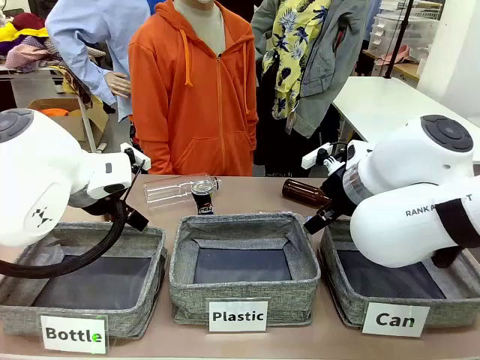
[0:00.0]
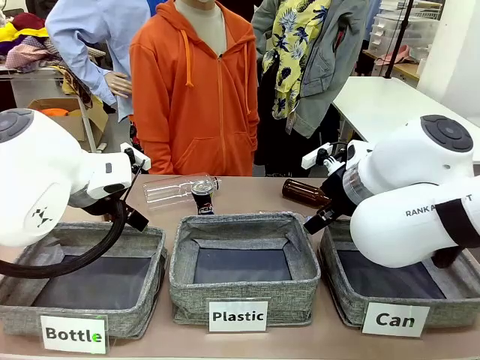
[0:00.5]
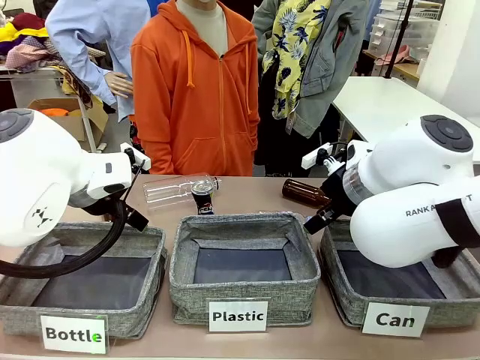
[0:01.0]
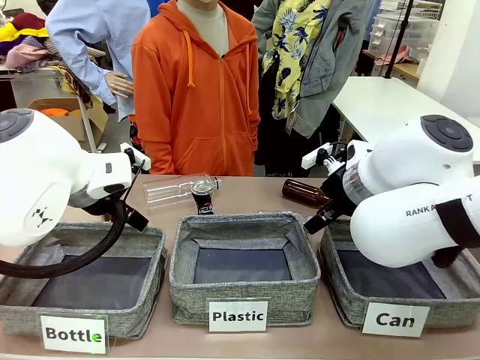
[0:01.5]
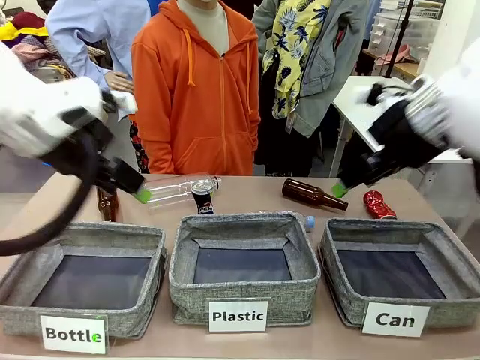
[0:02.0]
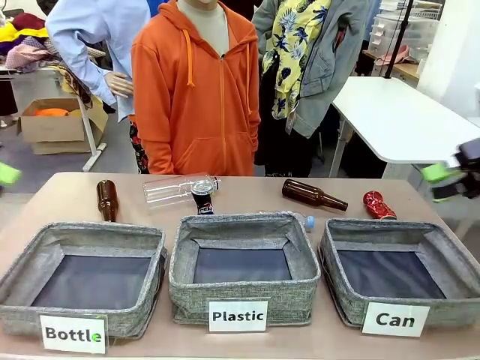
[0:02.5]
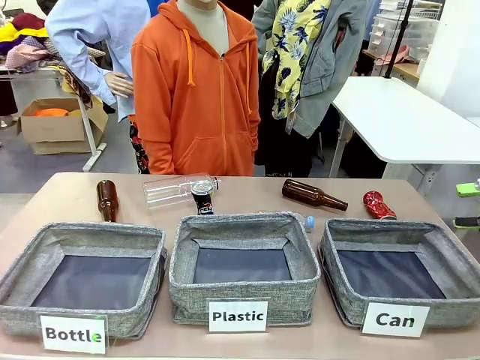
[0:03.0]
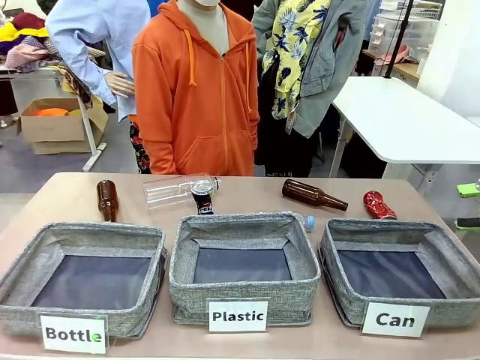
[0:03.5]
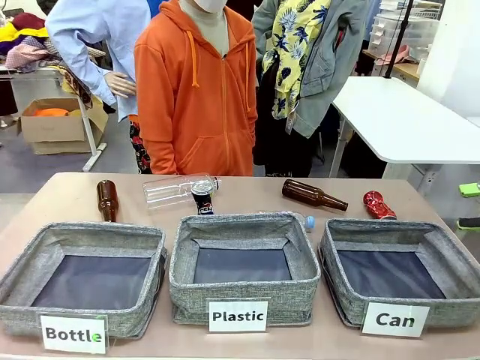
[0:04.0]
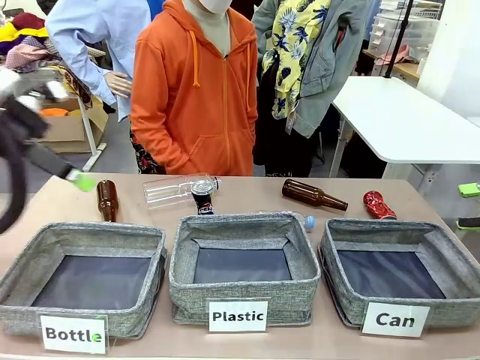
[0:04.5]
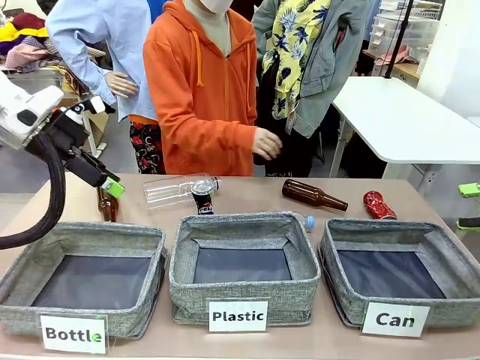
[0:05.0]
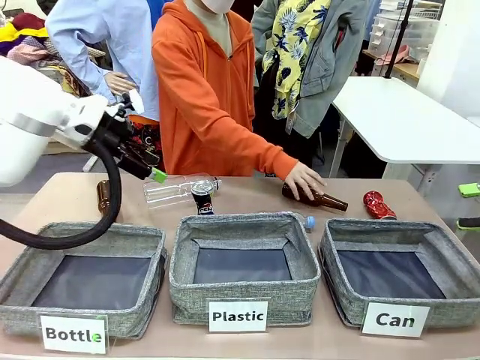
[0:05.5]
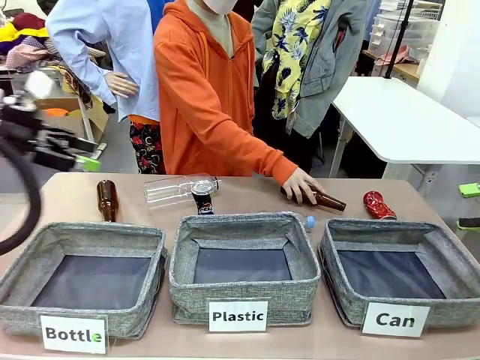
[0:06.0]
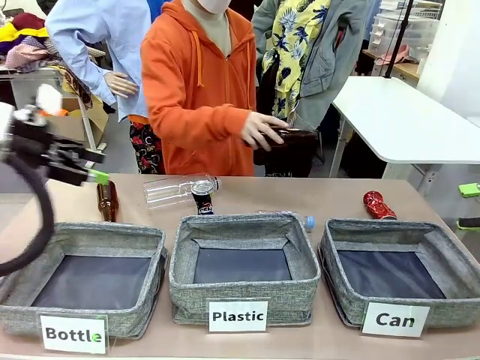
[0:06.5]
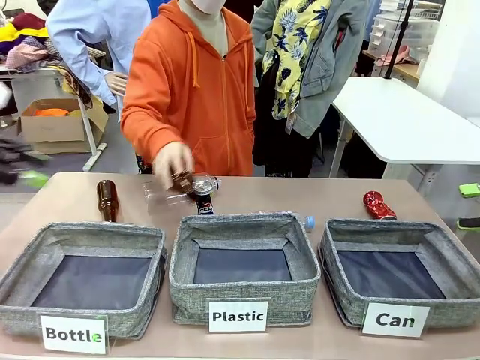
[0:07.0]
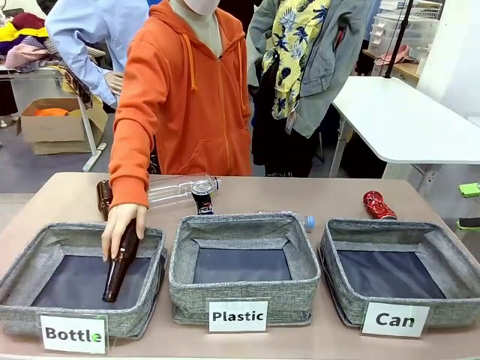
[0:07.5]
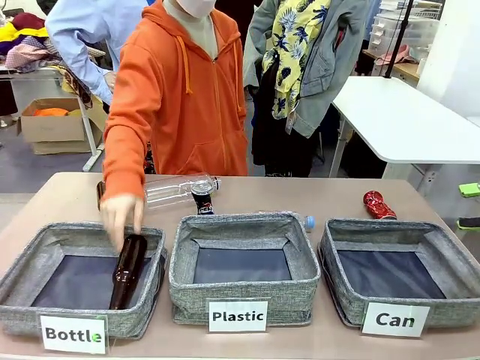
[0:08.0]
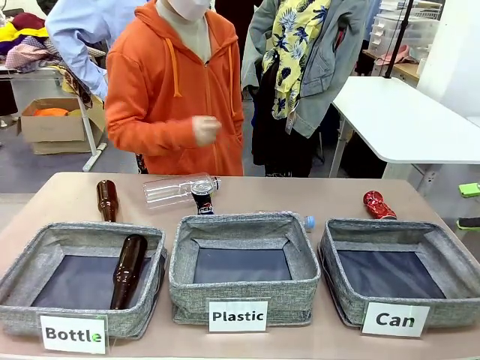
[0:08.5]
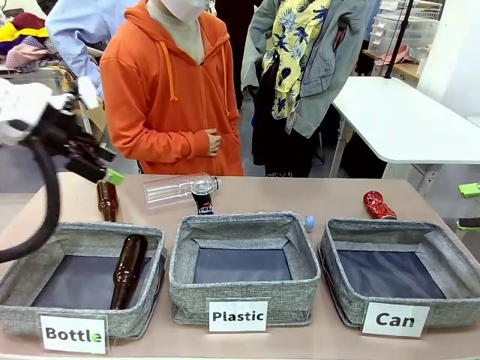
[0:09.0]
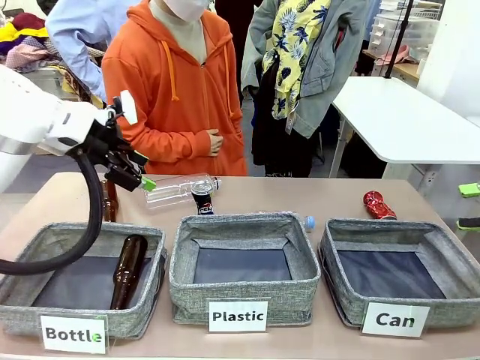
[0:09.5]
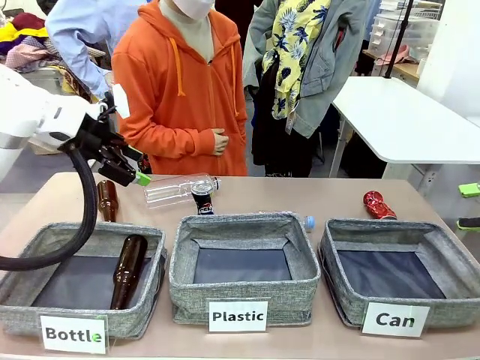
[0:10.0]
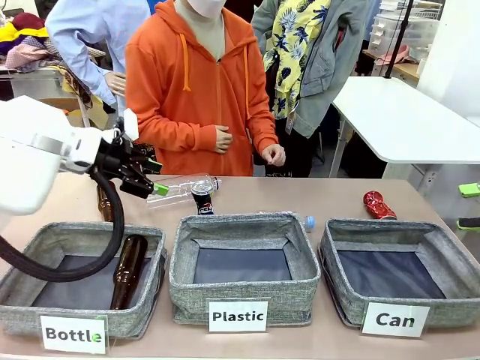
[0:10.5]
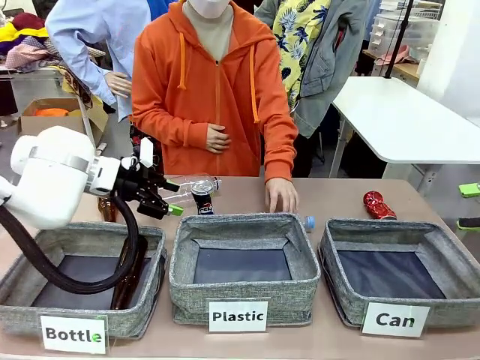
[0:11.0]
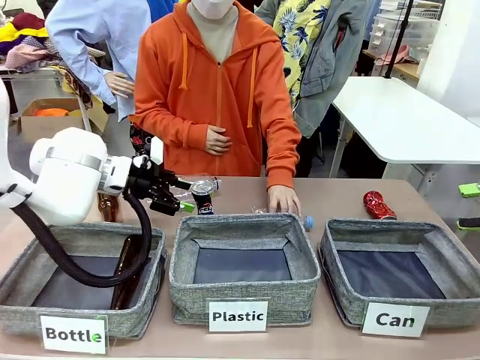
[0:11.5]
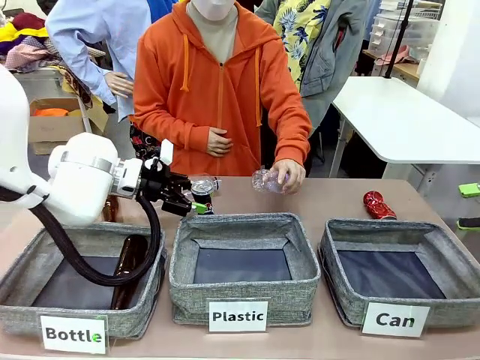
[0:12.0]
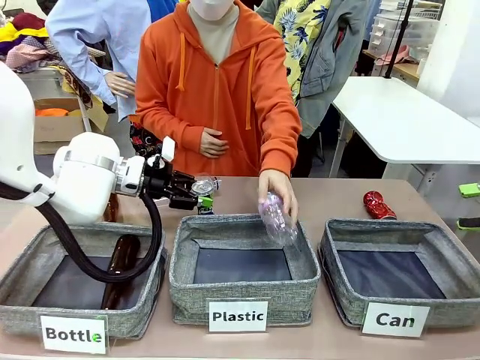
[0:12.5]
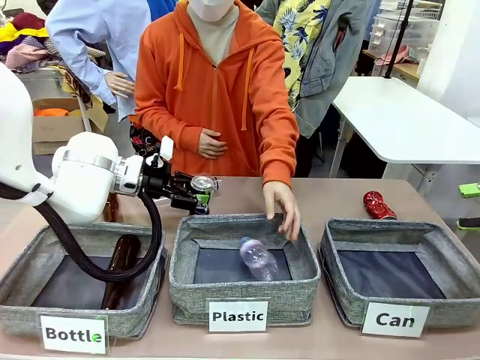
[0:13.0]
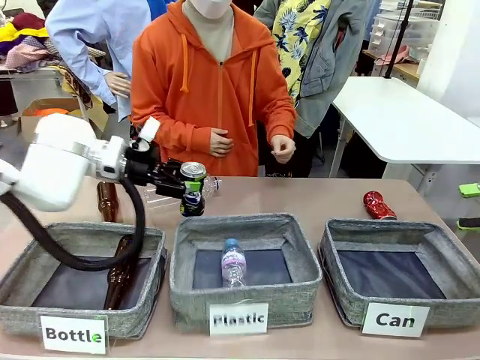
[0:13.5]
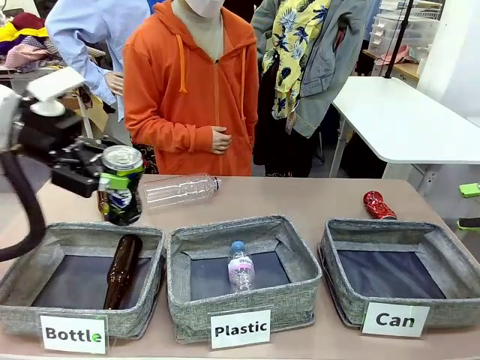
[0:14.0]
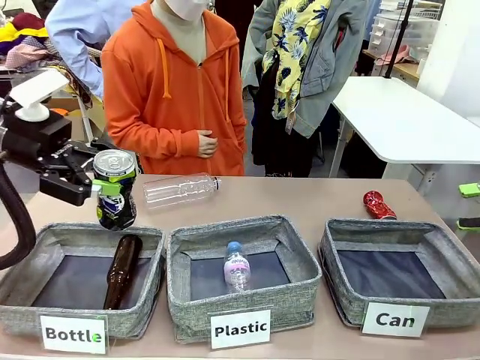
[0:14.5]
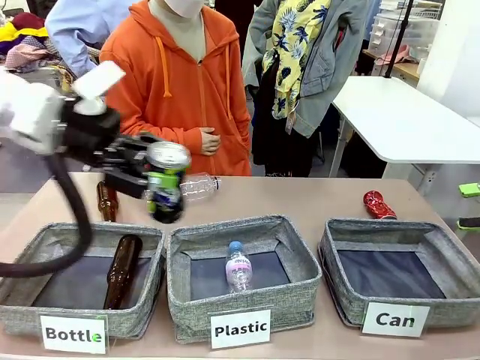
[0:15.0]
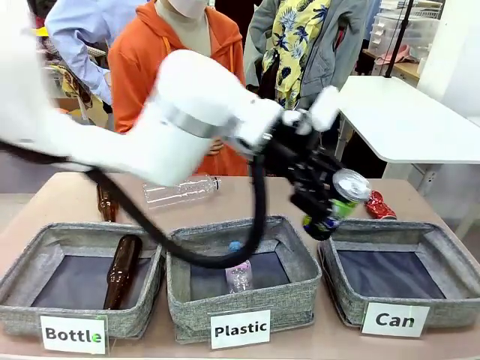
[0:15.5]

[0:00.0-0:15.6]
Task: Sort the can waste into the basket.
Robot: Pick up the can waste from the table and place it in the right Fabric basket.
